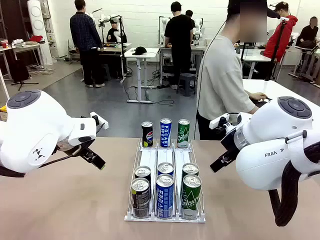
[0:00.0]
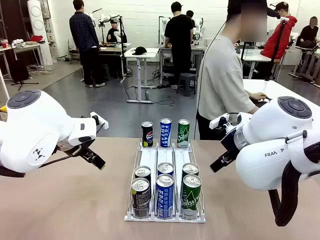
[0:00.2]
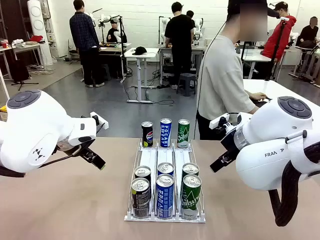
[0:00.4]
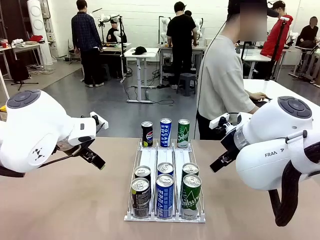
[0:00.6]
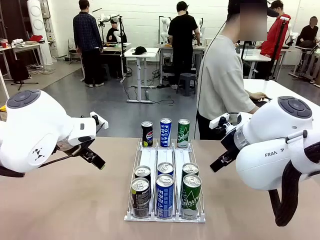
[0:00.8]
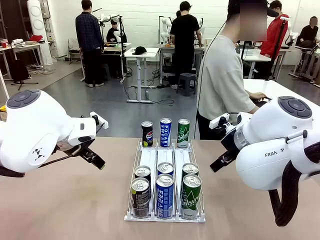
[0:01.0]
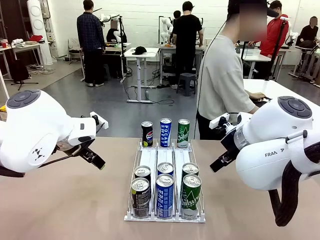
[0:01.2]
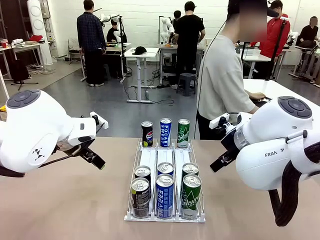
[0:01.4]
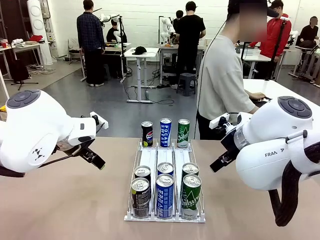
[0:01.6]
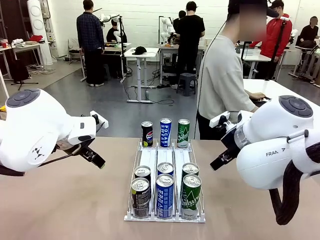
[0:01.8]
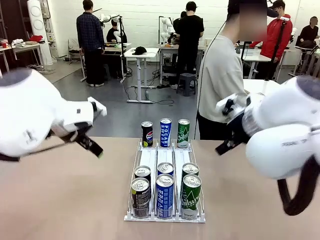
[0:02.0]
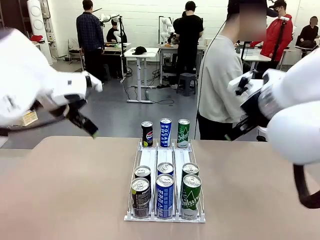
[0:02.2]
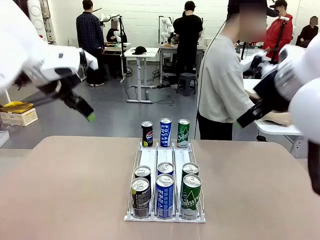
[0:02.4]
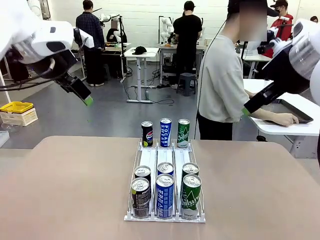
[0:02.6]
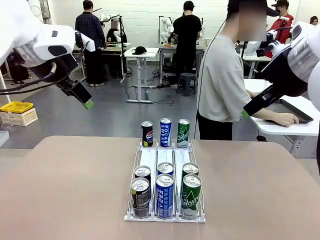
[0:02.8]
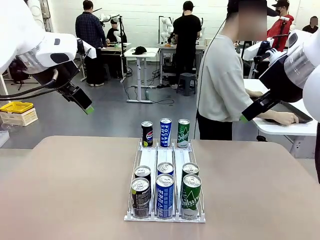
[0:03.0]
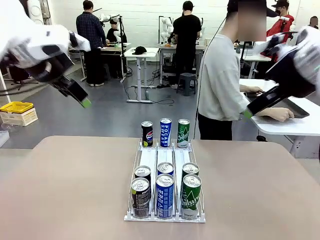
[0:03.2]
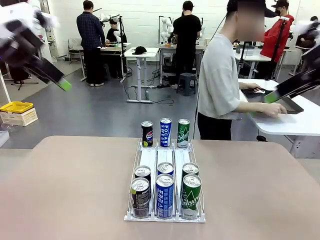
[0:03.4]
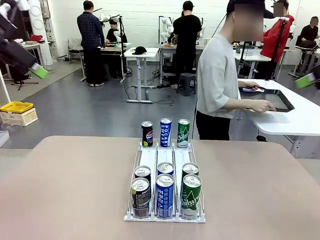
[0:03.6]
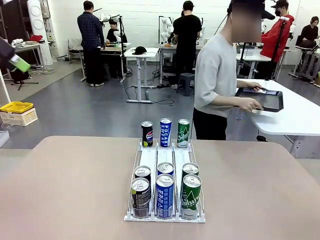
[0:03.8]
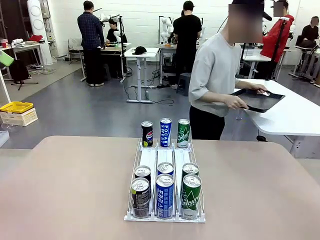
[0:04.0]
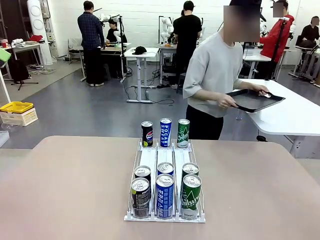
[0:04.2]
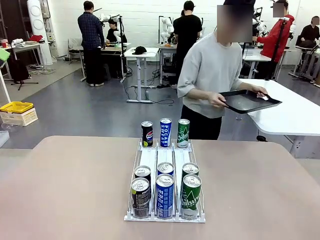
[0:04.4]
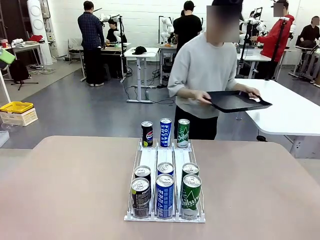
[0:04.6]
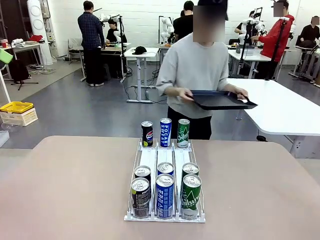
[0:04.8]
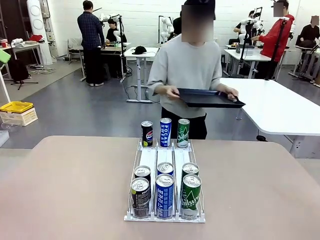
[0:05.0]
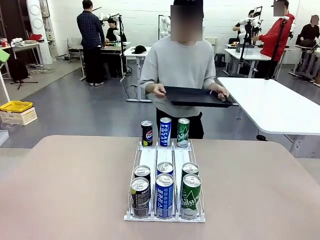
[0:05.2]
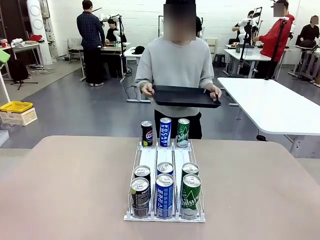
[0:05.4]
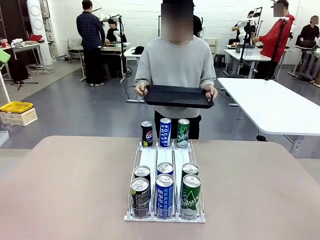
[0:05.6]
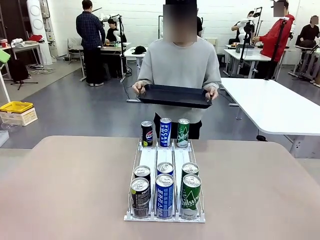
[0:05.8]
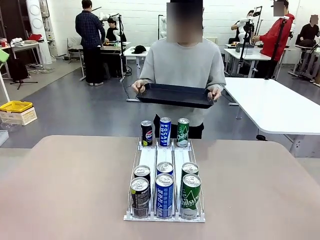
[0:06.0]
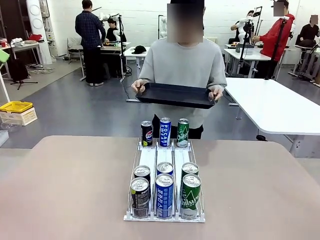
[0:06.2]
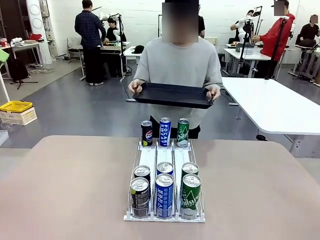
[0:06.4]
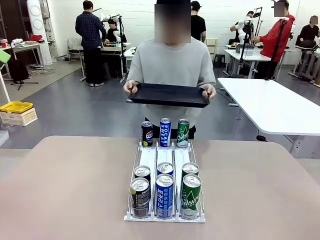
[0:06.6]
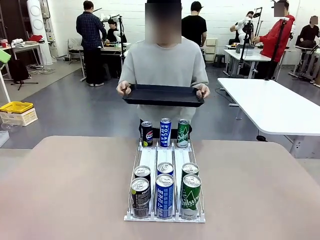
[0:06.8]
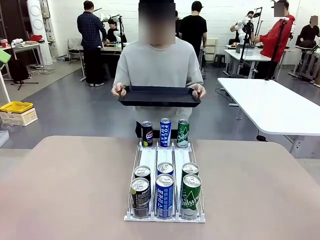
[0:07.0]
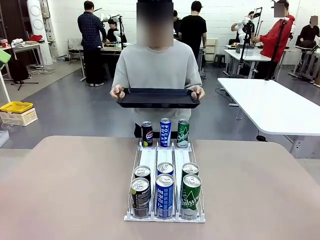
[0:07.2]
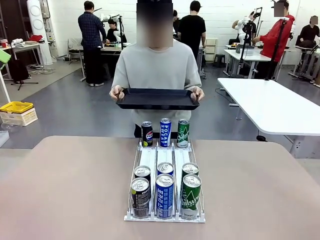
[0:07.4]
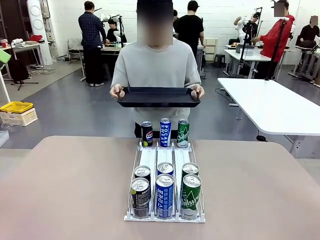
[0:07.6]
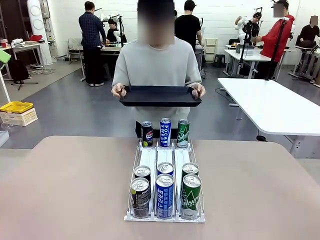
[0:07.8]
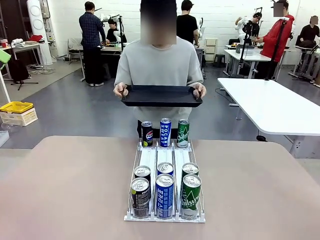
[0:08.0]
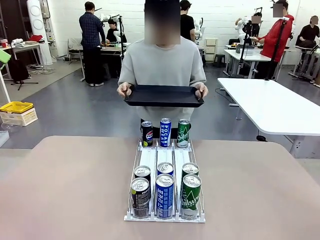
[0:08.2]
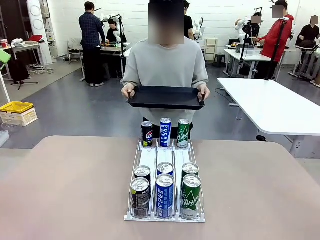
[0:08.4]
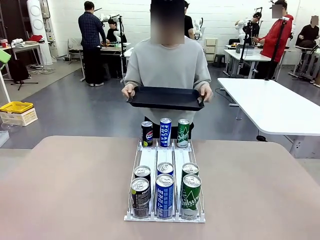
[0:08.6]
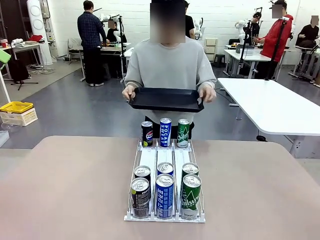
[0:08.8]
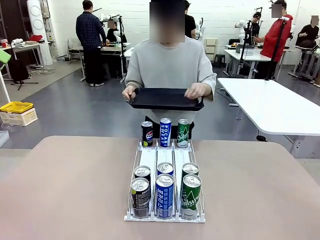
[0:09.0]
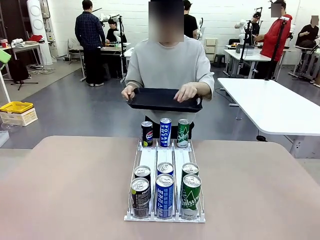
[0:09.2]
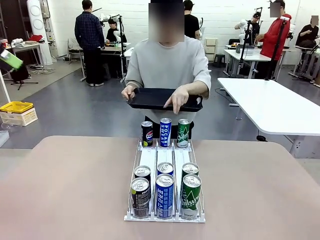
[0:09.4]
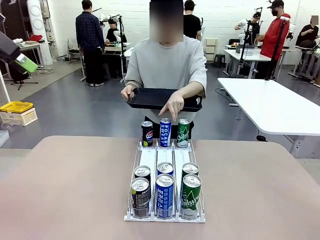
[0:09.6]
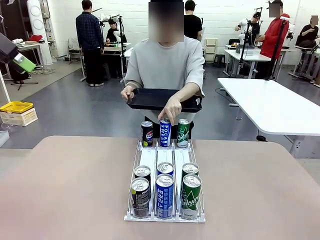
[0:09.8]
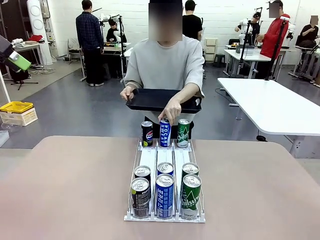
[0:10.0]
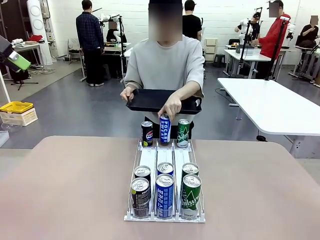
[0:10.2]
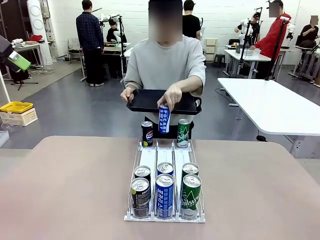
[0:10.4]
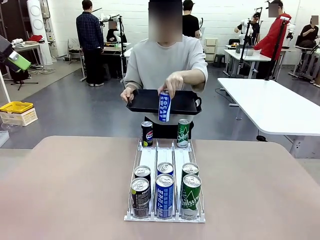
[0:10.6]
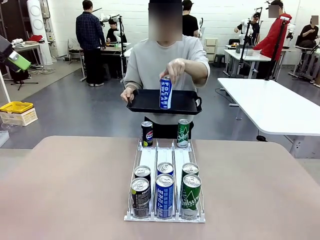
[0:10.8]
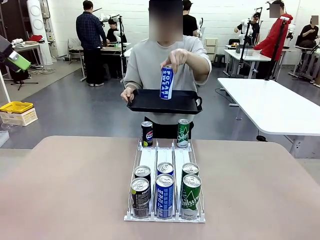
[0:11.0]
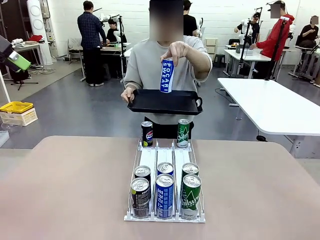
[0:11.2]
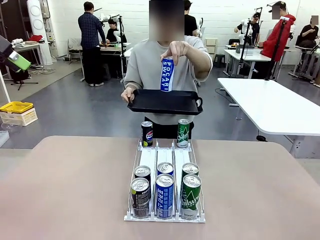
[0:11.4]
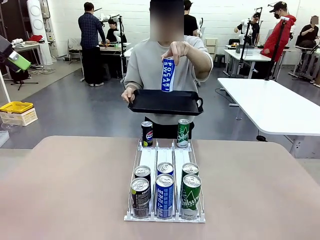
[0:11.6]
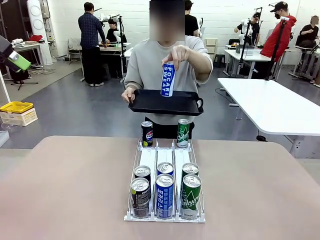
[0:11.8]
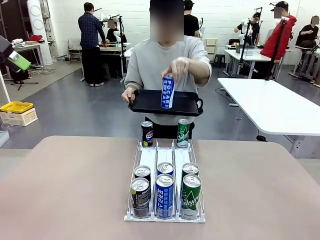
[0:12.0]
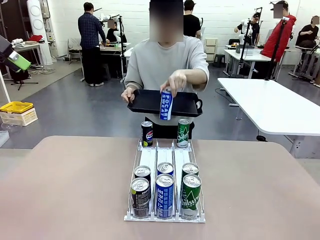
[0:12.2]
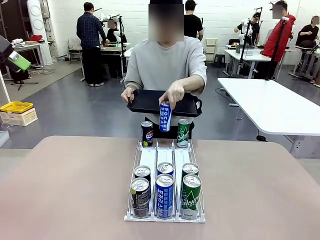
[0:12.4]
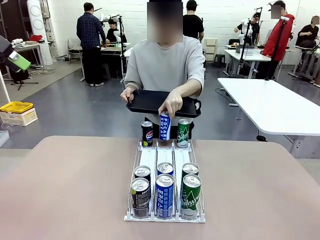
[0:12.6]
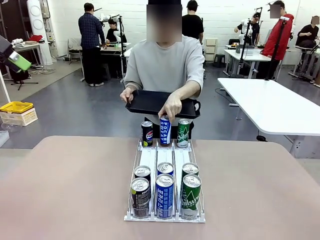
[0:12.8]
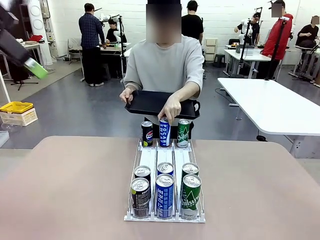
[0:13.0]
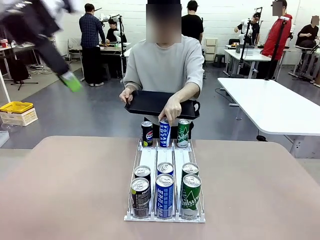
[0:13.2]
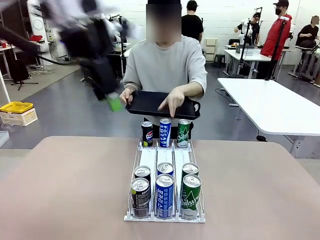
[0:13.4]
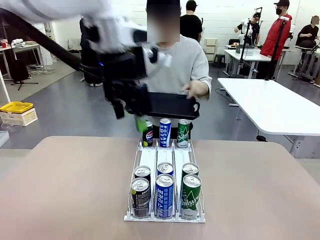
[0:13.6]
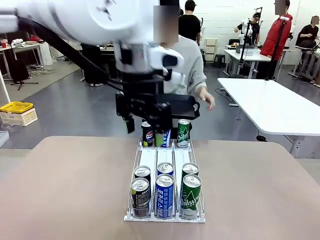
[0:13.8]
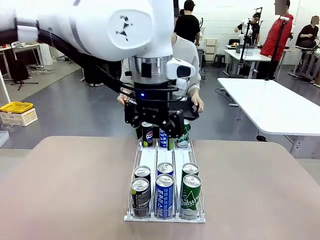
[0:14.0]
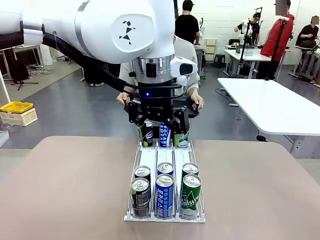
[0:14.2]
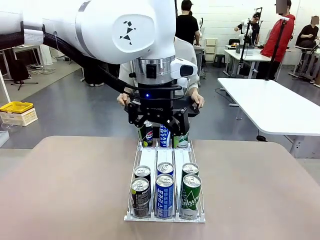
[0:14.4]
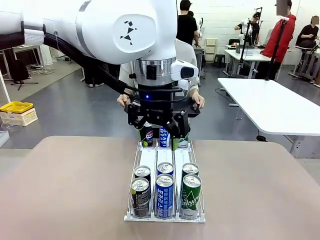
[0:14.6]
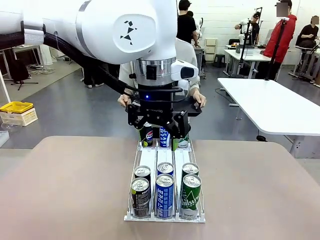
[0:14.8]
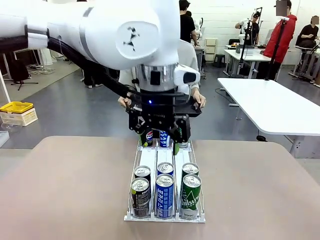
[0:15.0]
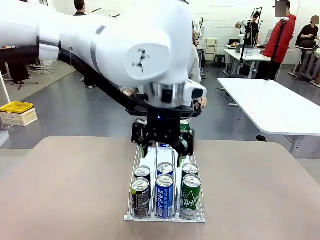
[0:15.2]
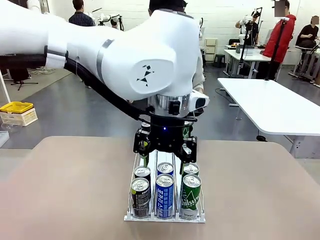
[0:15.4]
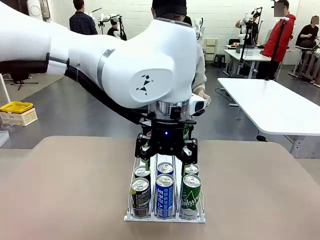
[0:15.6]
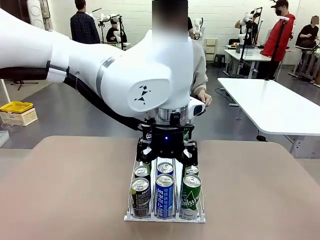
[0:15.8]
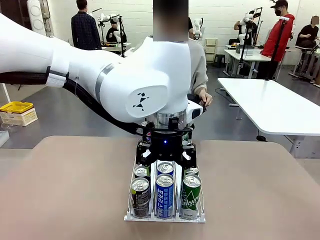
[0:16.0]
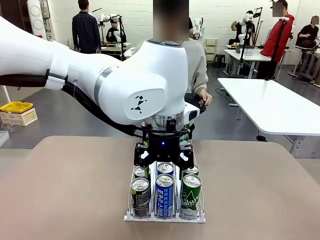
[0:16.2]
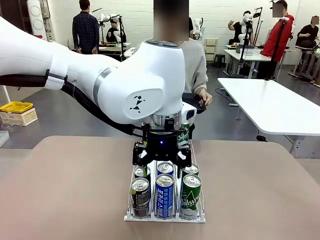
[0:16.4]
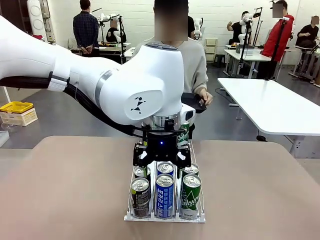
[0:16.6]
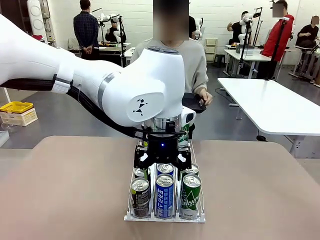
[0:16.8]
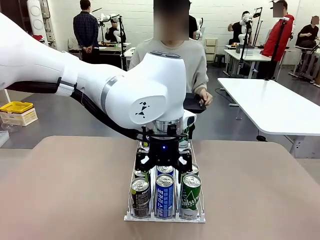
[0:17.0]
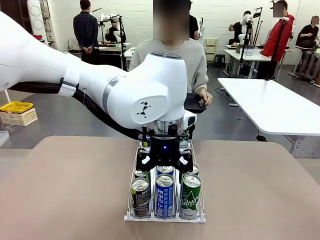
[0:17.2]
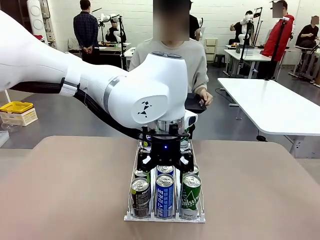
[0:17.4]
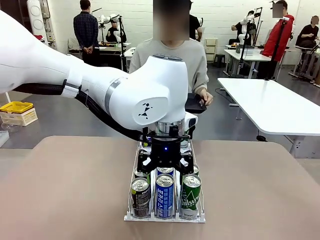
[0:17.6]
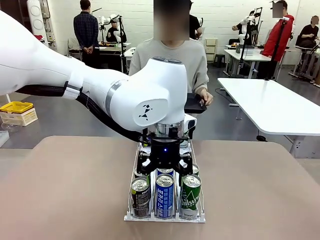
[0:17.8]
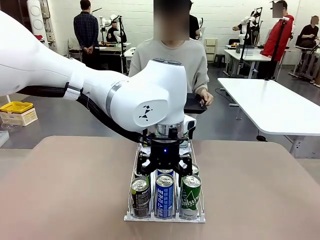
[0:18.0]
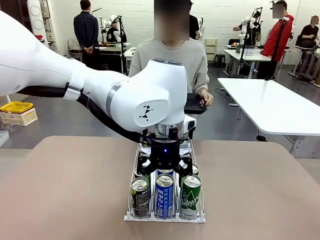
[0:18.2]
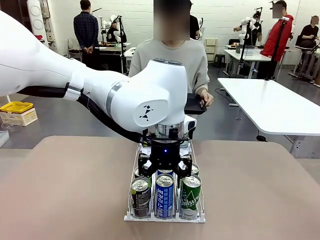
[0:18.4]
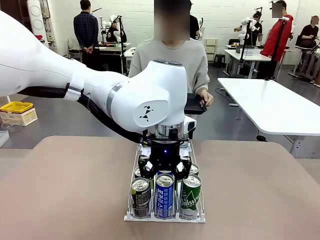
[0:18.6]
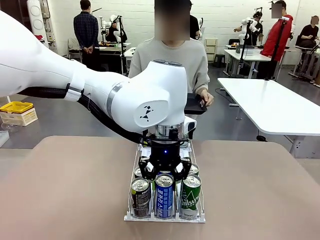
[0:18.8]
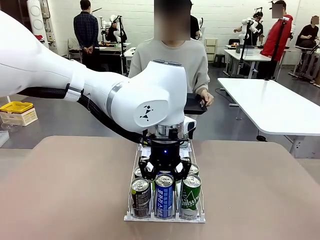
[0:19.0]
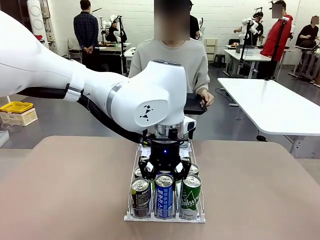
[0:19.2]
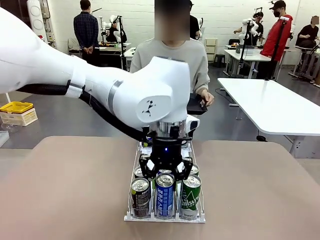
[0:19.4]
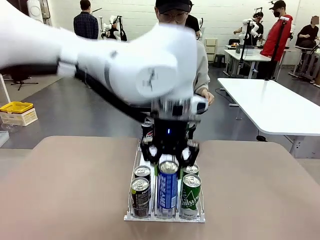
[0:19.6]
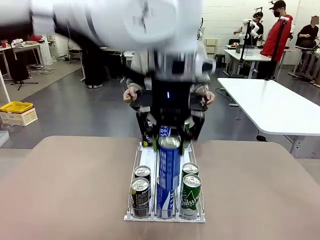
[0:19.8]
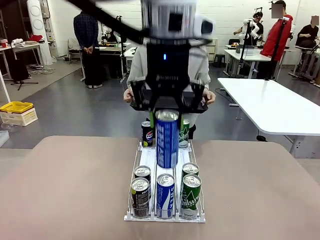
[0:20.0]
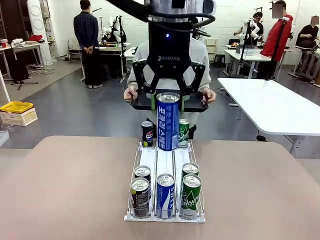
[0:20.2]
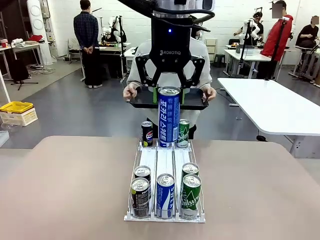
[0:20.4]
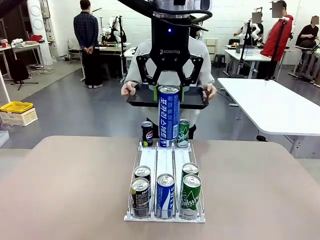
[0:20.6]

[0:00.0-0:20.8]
Task: Retrieve and hand over the desired beverage to the person.
Robot: Pick up a can of the same type that the person held from the Automatic Can Dispenser.
Person: Hold the tray and position yourself in front of the robot table. Pick up one can from the bottom area of the table and puts it back in its original place. Push the tray toward the robot.
